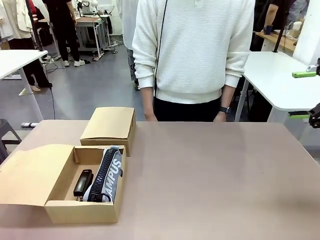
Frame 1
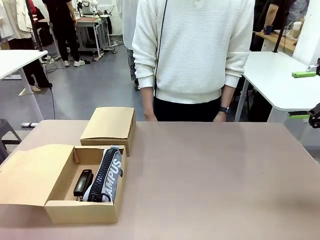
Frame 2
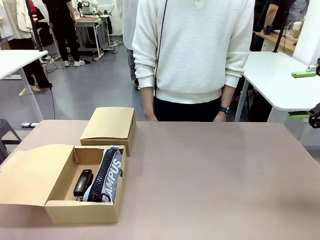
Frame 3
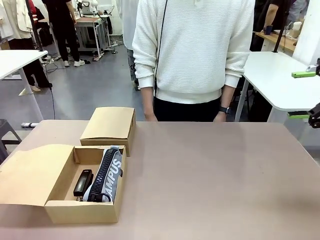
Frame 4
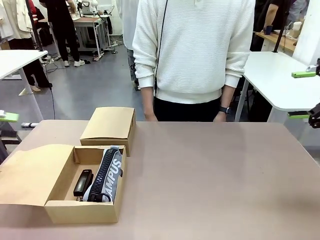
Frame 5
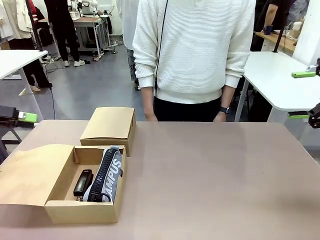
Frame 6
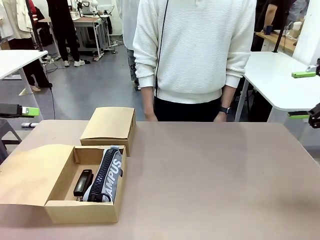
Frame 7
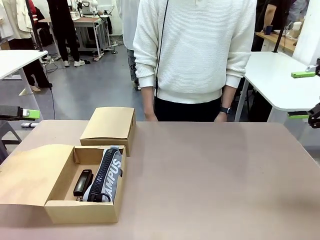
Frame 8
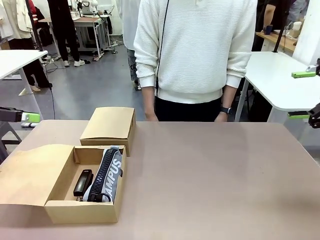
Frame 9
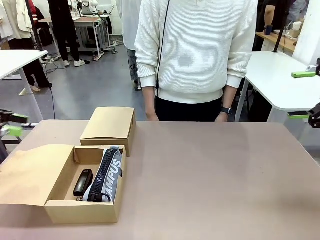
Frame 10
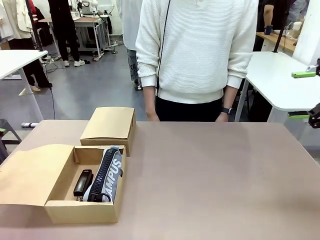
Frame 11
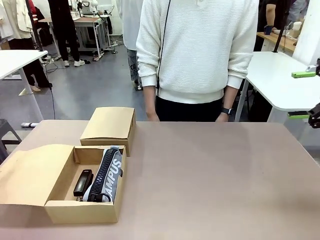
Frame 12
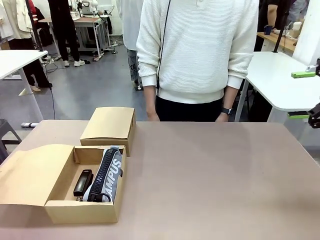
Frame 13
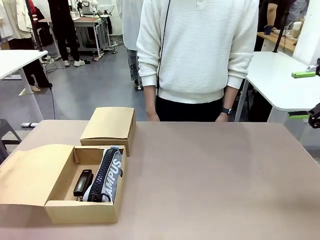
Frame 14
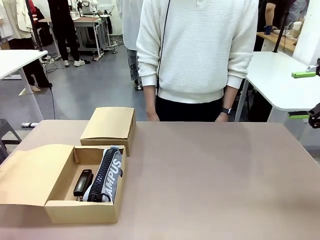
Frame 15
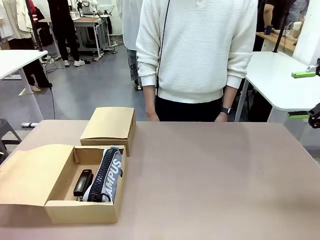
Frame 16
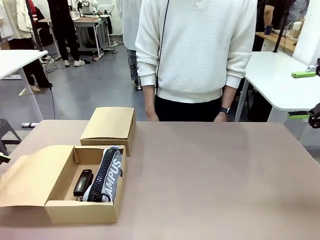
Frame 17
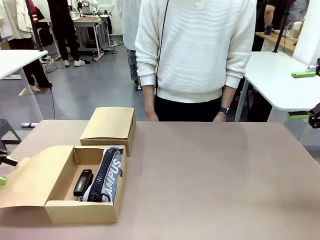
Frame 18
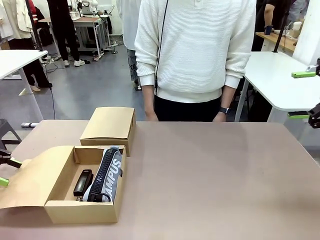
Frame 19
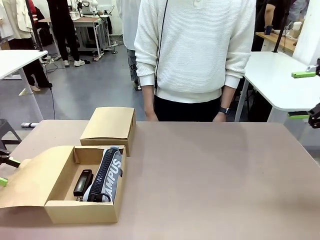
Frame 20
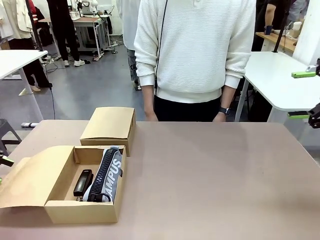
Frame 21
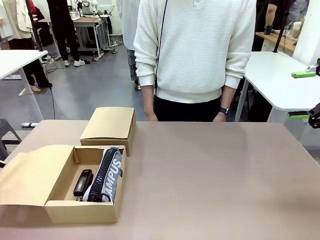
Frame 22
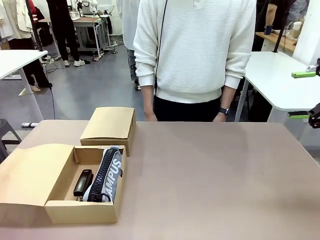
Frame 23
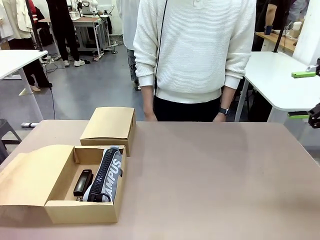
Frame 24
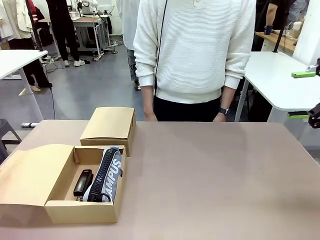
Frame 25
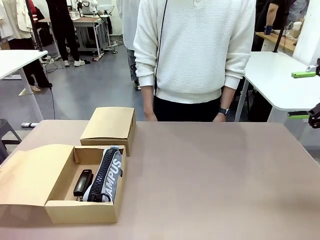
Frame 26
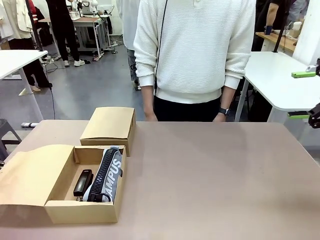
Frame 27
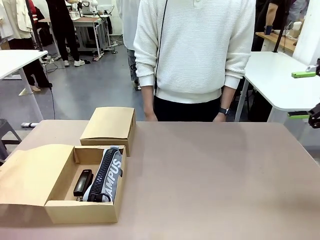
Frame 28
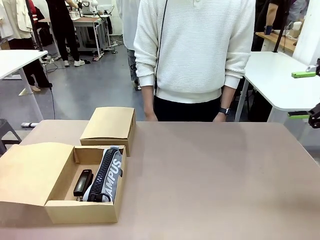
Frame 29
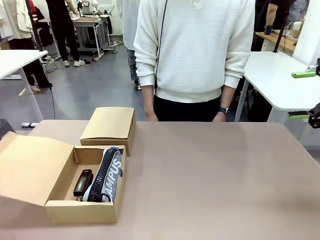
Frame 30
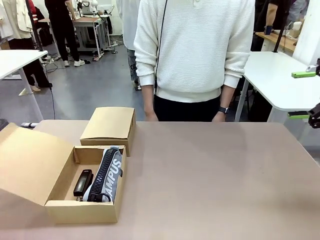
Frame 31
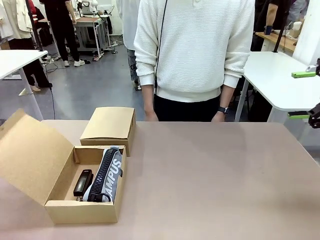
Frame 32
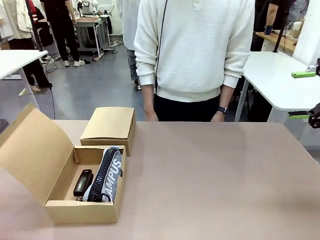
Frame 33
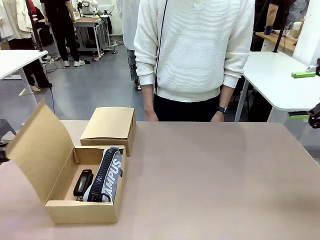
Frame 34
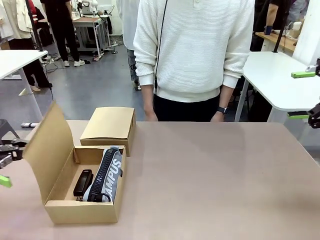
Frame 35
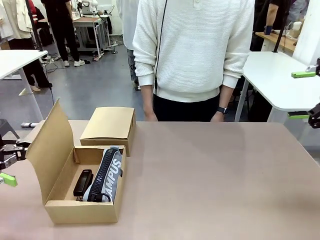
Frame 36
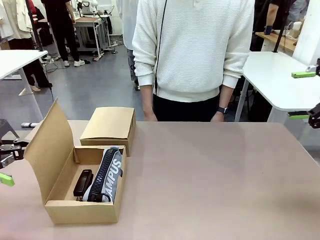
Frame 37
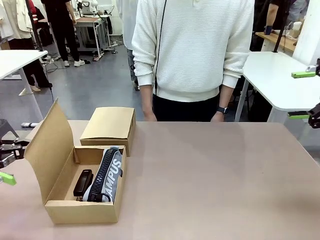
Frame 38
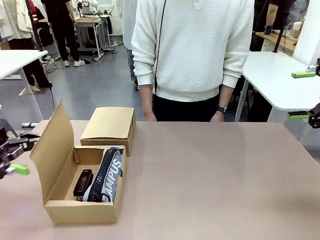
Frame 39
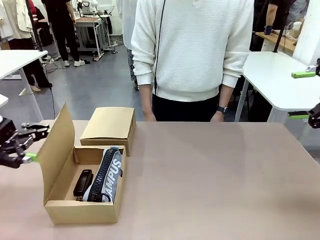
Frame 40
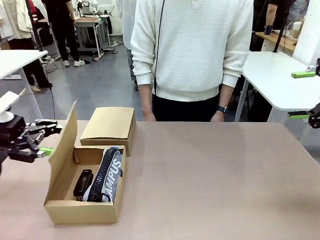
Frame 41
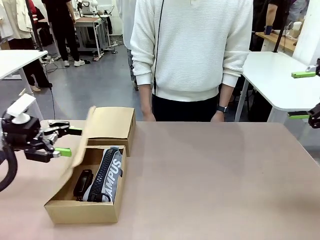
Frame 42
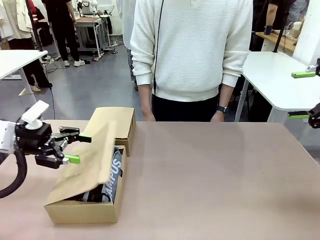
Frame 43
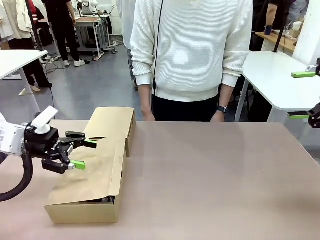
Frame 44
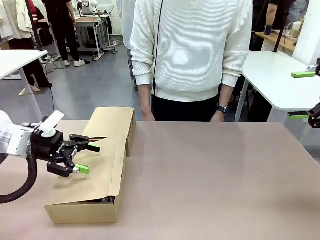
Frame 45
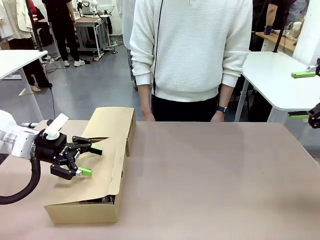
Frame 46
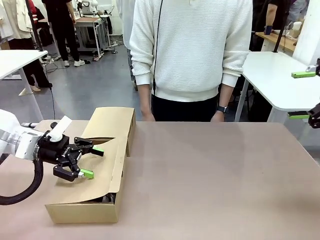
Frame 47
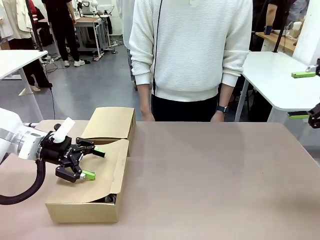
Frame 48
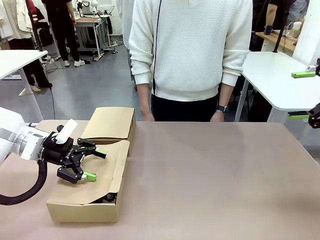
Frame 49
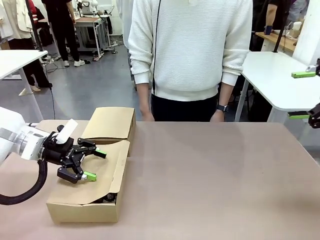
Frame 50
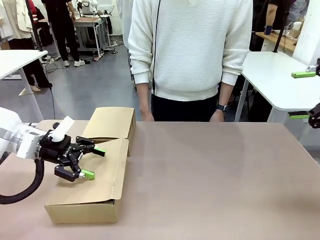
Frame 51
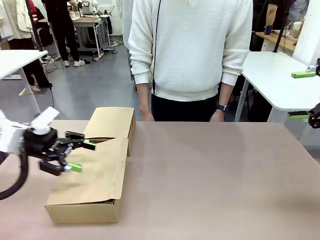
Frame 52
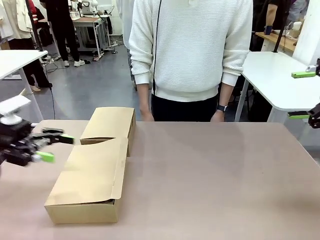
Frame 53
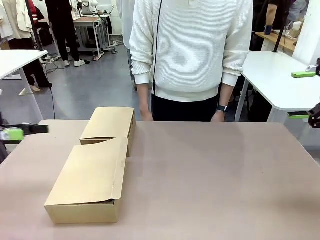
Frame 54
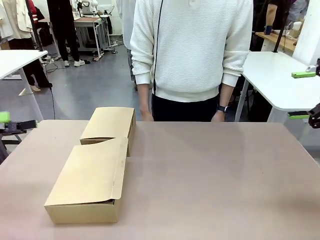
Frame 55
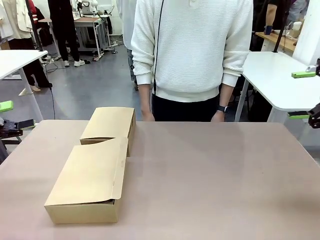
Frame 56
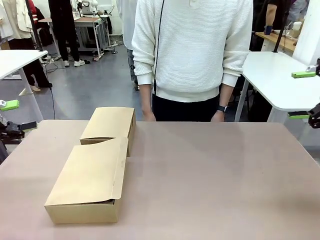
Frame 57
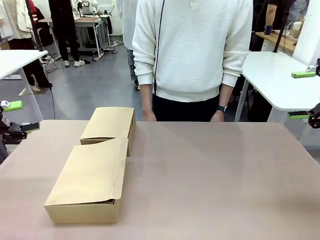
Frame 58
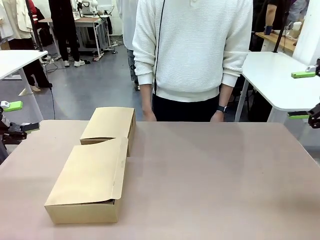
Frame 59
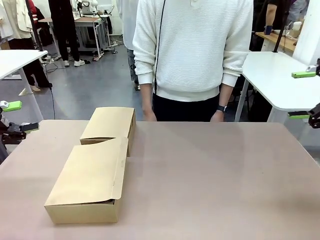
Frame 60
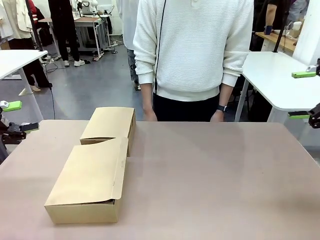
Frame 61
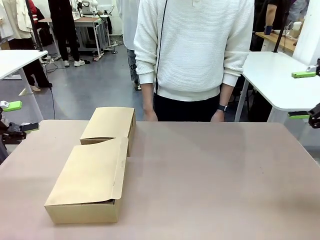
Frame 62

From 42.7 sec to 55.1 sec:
Task: Place items inside the box.
Robot: Close the lid of the Mailer Box closest to the robot.
